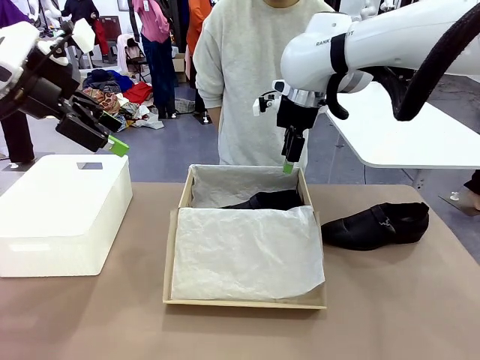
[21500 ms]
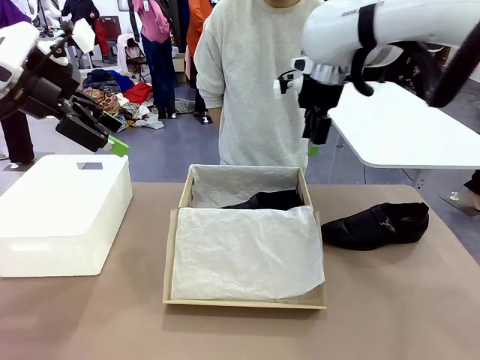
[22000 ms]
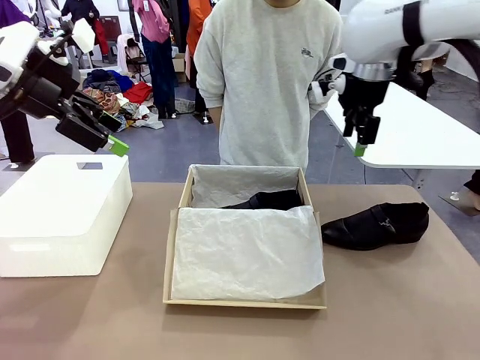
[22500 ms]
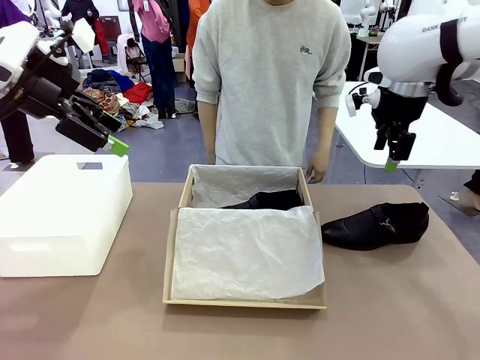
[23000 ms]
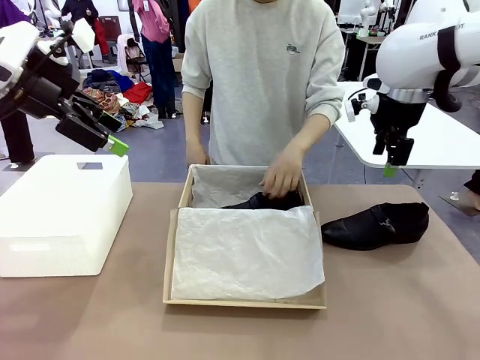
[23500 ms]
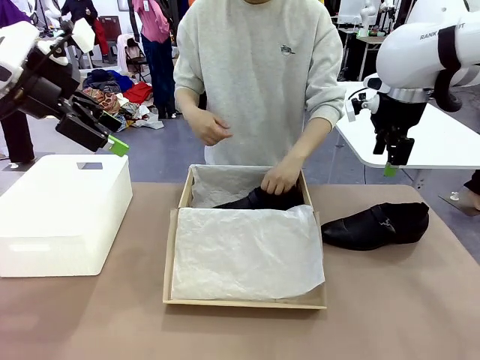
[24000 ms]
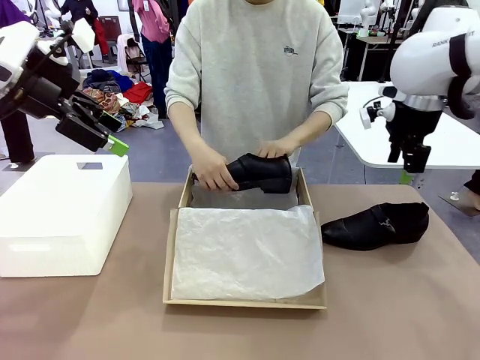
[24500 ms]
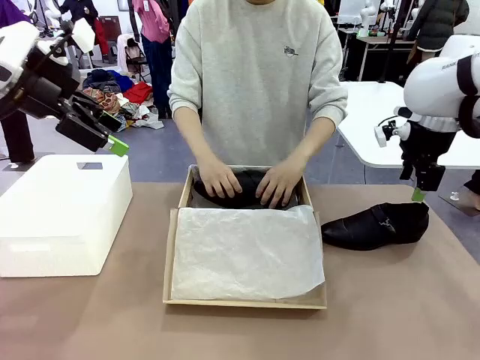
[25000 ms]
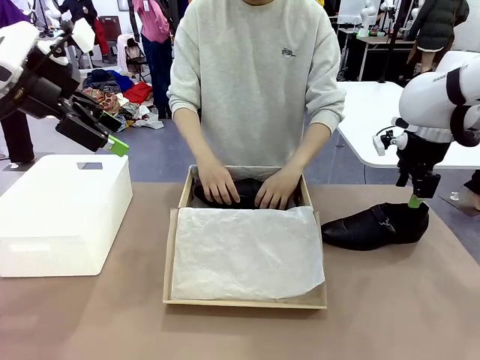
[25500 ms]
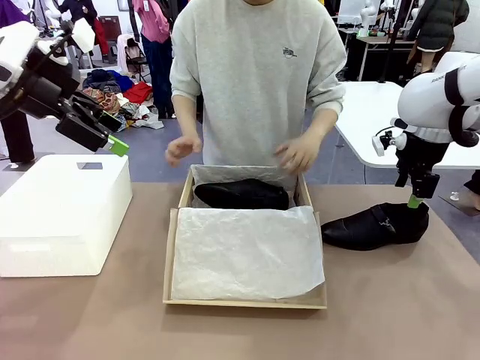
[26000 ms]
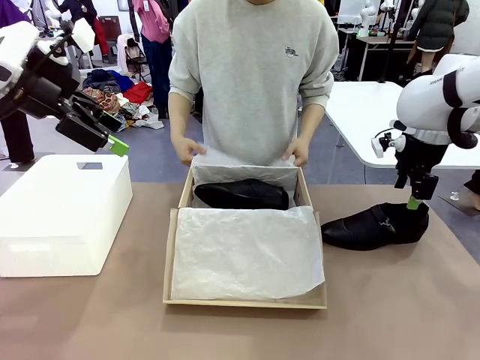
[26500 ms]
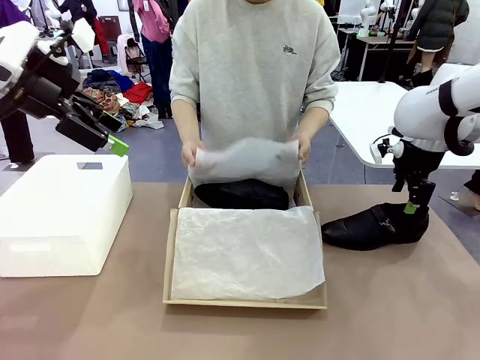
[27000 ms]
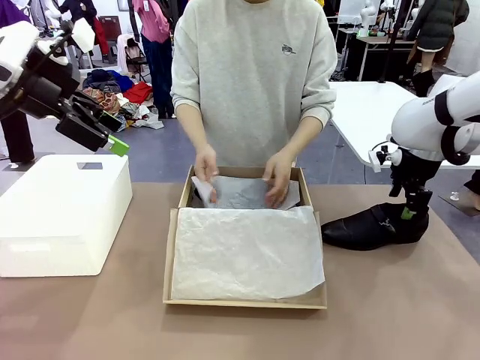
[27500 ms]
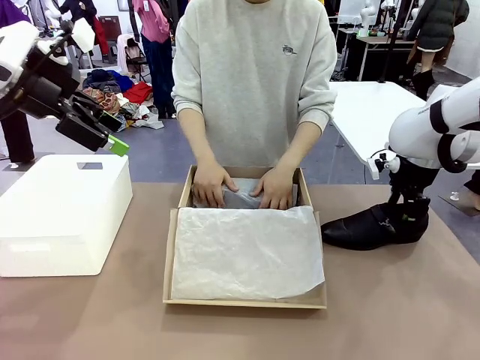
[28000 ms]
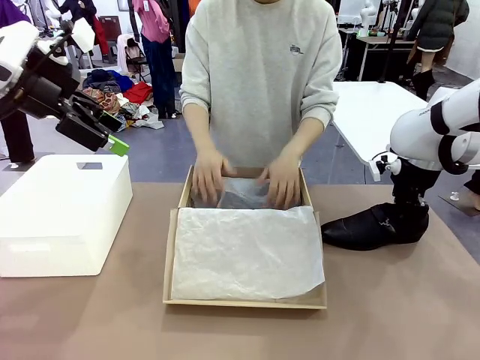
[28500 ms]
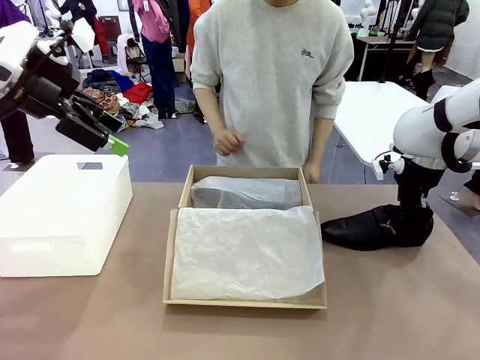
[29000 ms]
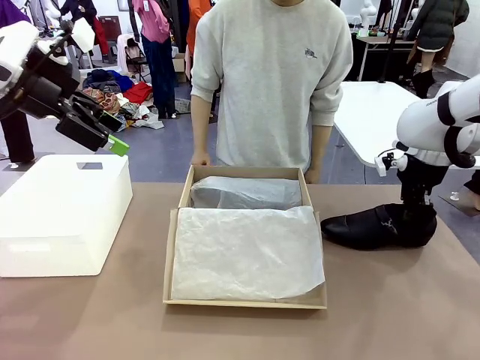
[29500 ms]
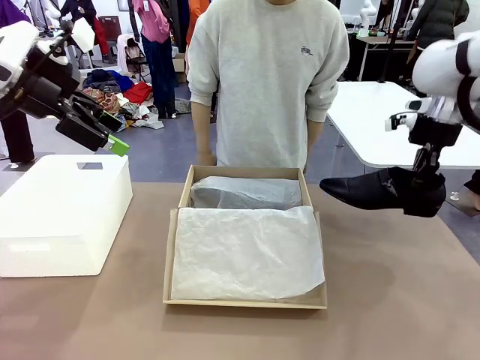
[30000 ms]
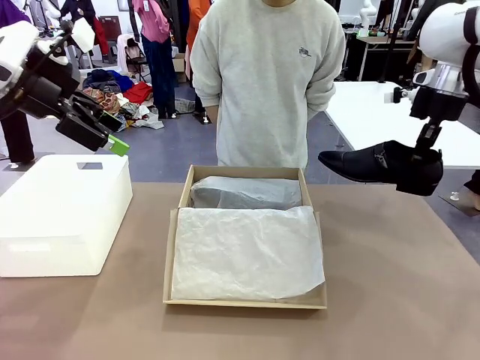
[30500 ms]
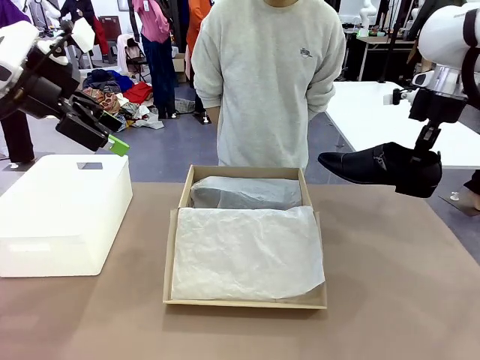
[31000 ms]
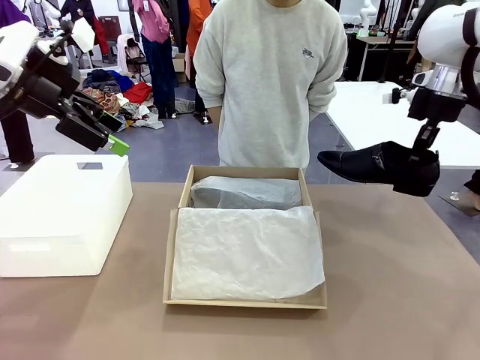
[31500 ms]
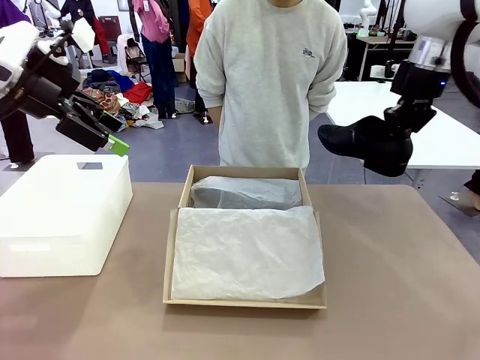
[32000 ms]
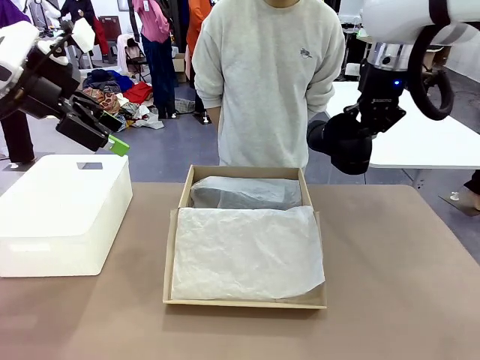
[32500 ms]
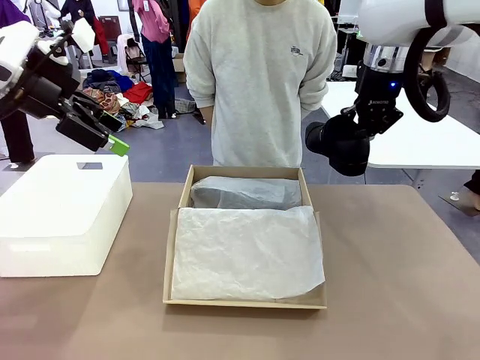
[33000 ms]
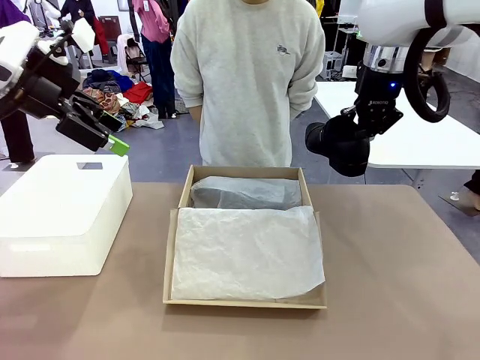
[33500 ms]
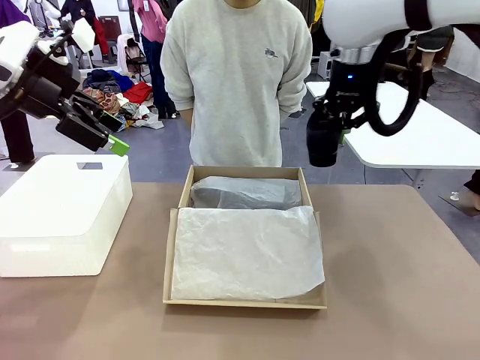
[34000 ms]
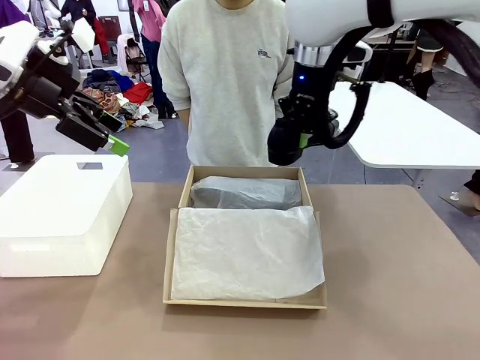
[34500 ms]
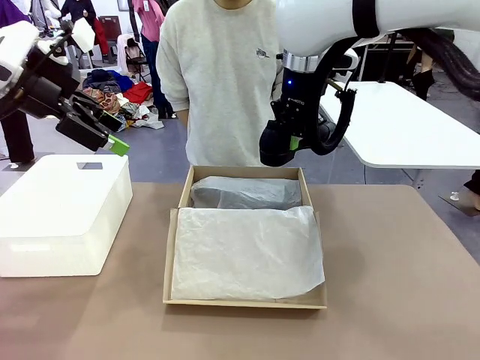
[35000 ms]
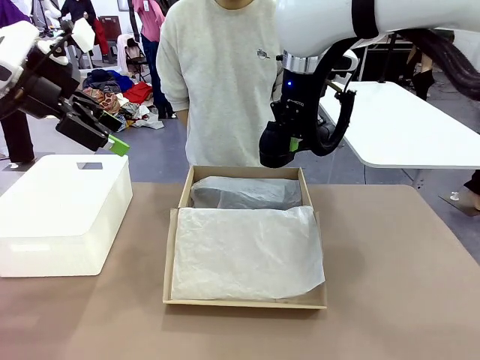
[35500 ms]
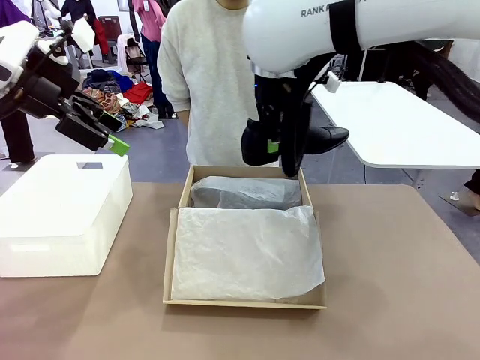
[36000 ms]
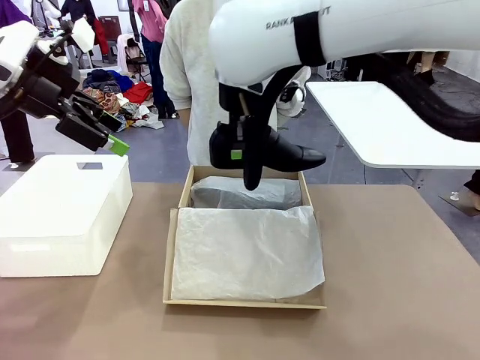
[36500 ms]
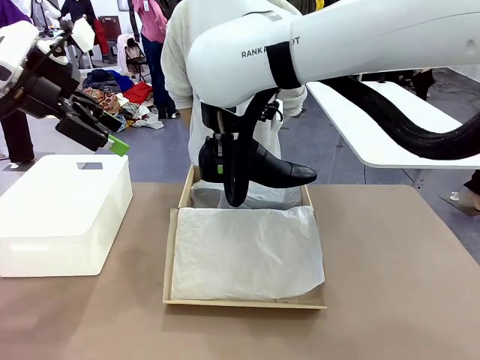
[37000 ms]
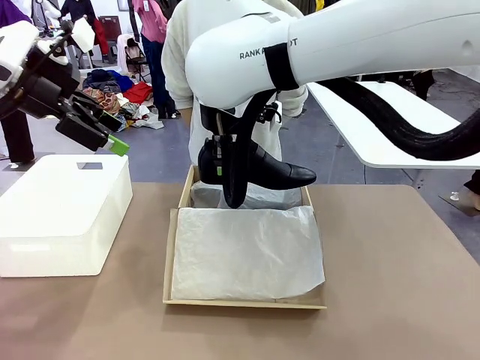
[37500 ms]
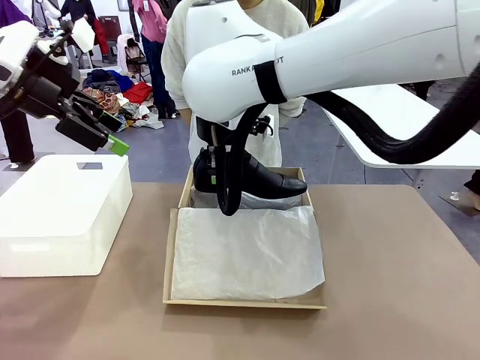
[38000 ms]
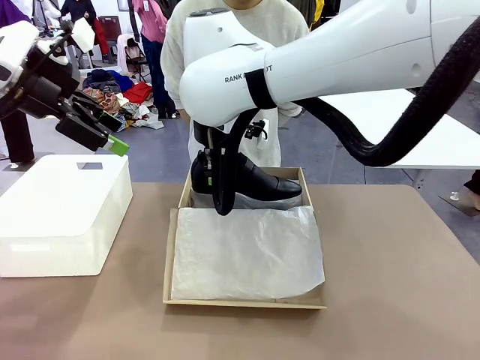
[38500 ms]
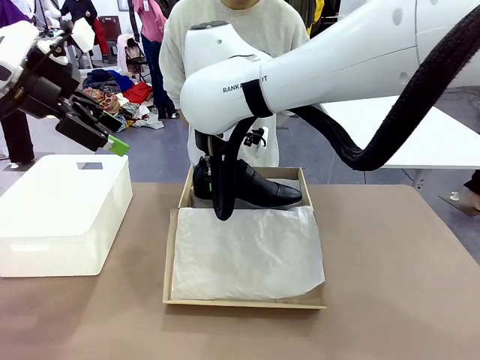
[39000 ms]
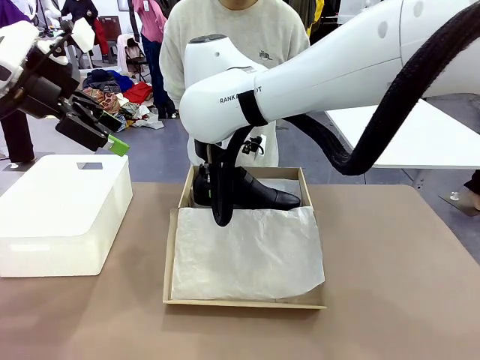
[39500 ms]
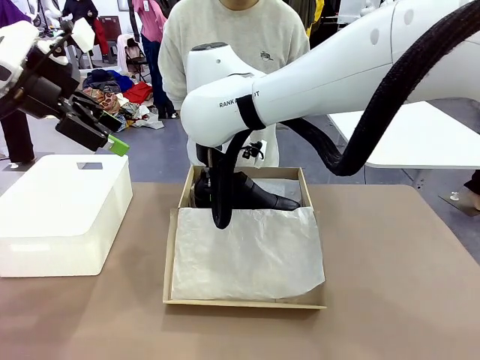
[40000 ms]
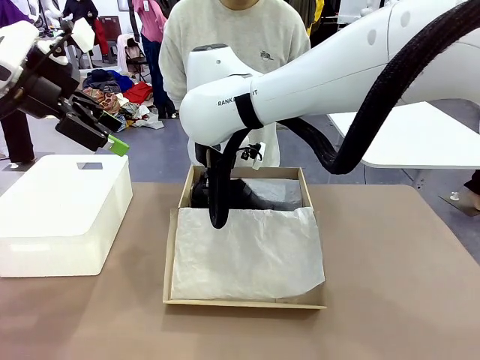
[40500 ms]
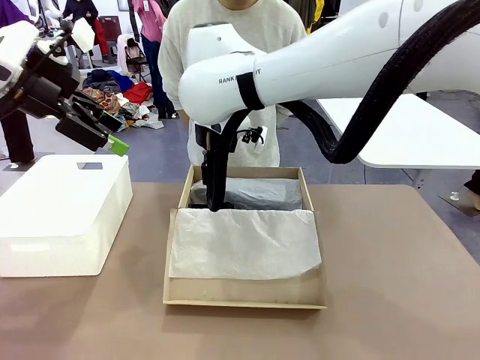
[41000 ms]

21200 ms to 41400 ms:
Task: Pack the shoes into the box.
Robot: Place the other shoe of the Shoes into the Shoes Box.
Person: Pack a shoe of Shoes inside the Shoes Box with Shoes Wrapping Paper.

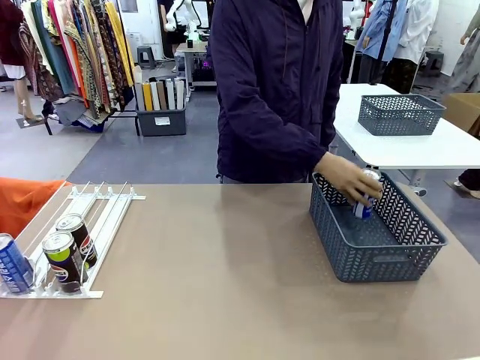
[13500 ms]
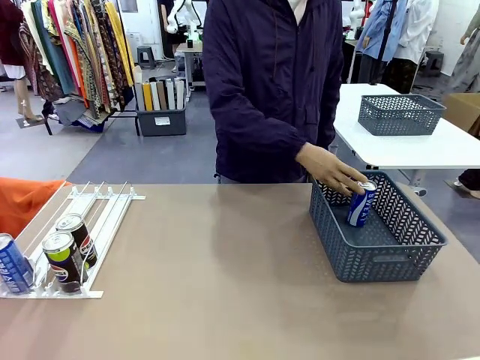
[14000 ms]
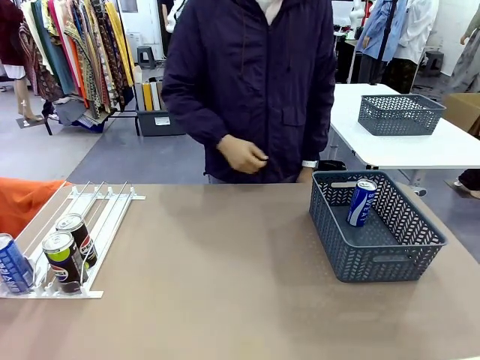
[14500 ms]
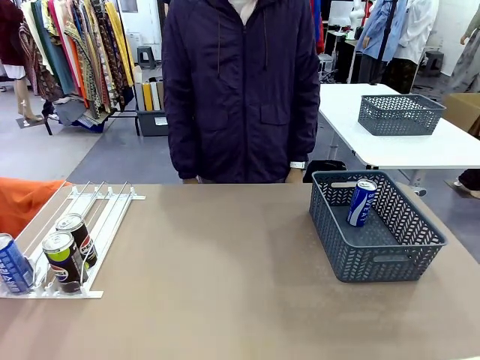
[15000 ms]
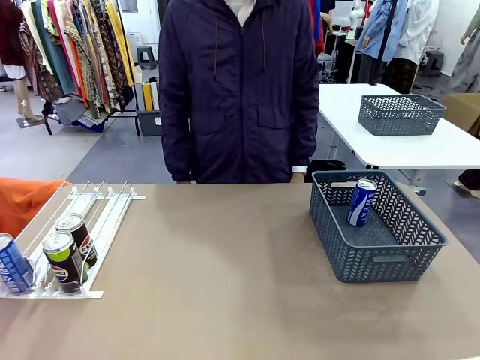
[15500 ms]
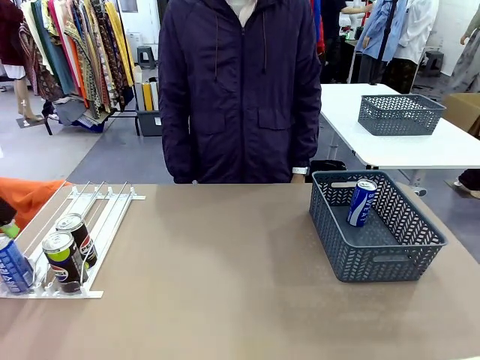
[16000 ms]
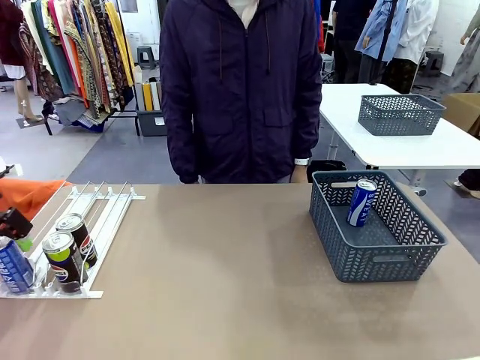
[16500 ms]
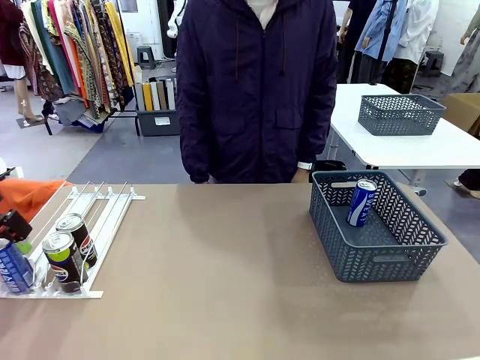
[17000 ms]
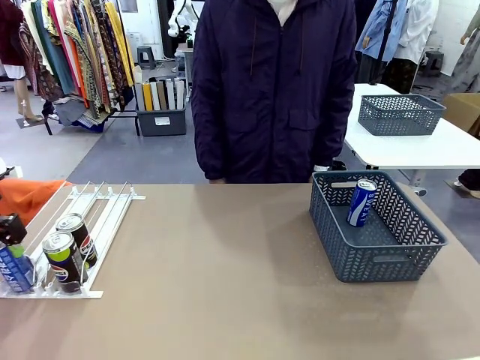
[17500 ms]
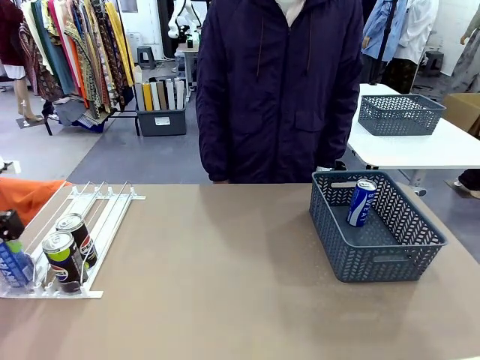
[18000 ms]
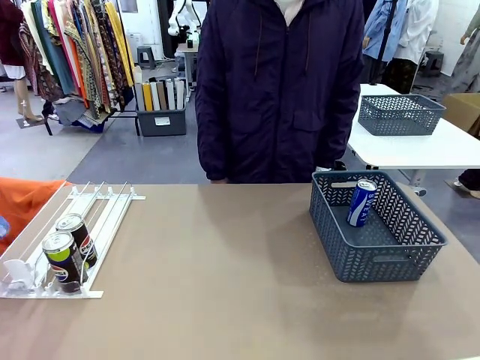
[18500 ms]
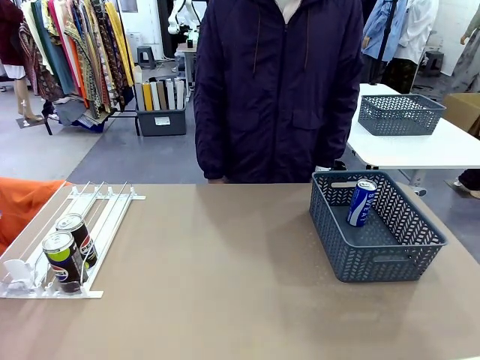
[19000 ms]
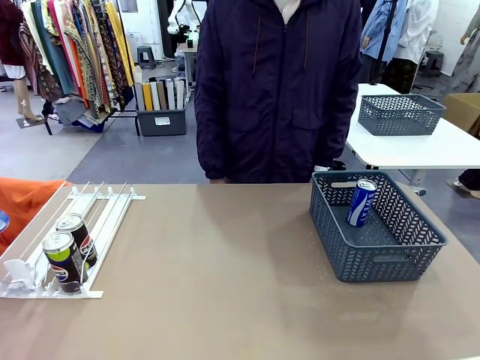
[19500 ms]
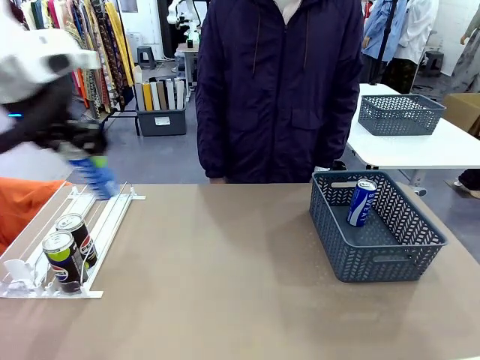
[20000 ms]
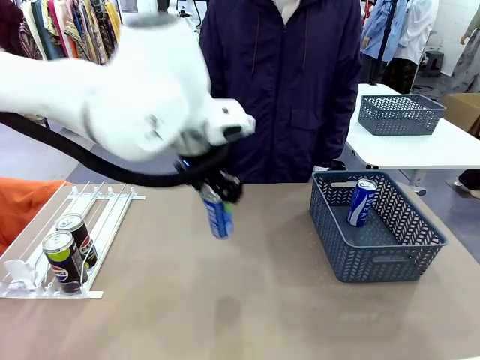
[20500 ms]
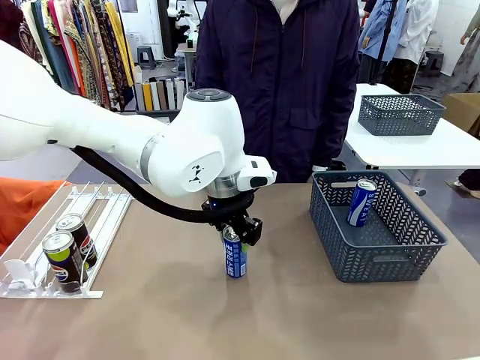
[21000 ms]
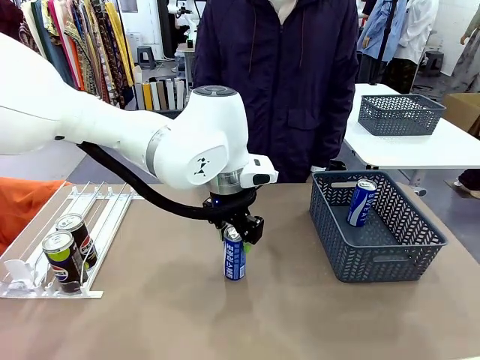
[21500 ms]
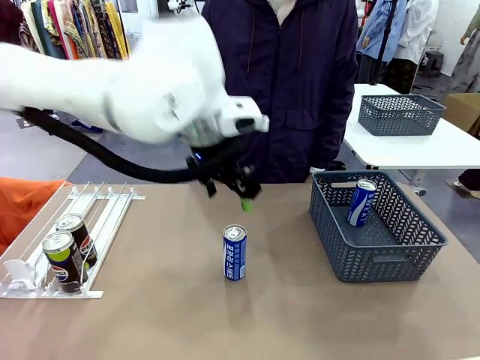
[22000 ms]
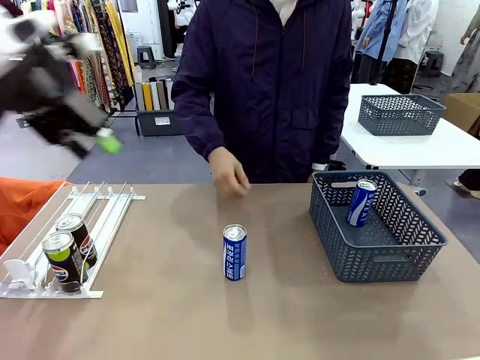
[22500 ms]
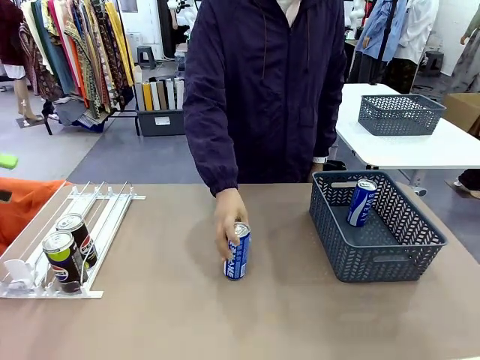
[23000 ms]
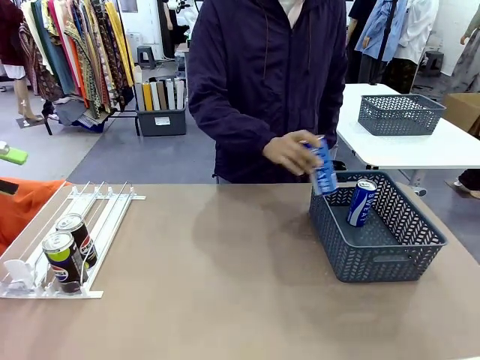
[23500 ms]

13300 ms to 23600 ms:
Task: Retrieve and store the cans from the dispenser.
Robot: Pick up the last remaining can from one row of the Automatic Can Dispenser and place it in the middle of the table.
Person: Pick up one Pepsi can from the middle of the robot table and place it in the basket.
